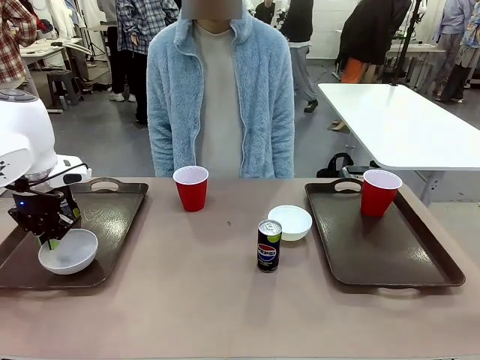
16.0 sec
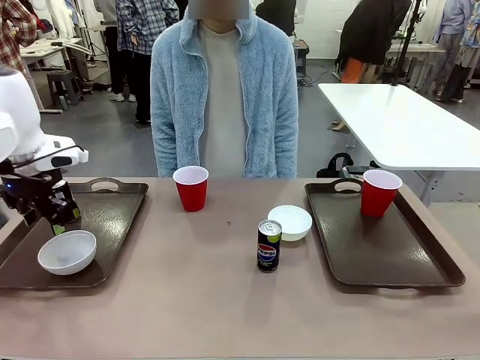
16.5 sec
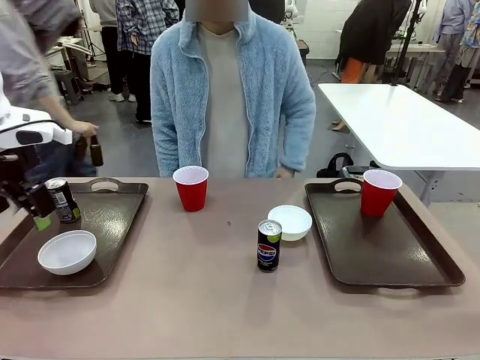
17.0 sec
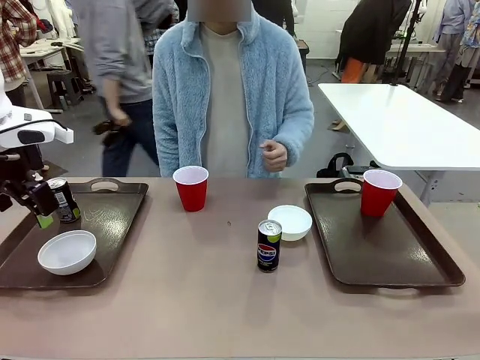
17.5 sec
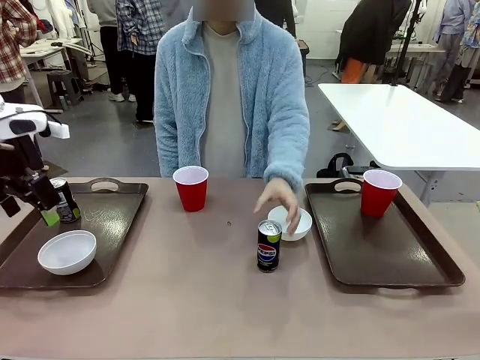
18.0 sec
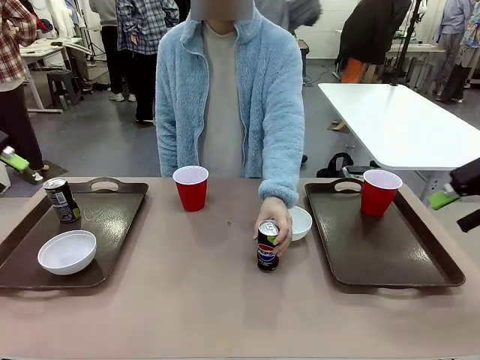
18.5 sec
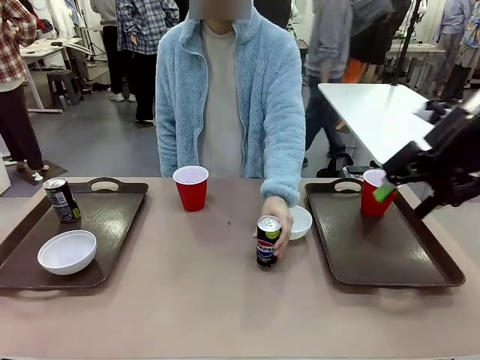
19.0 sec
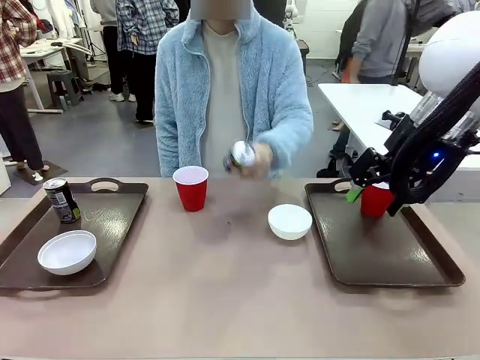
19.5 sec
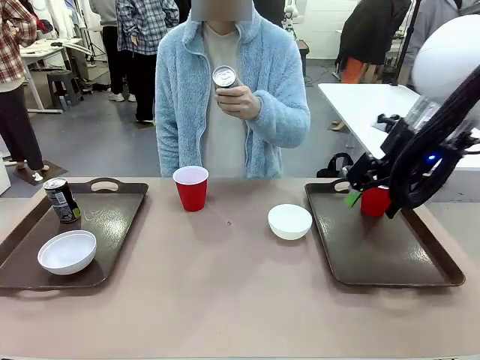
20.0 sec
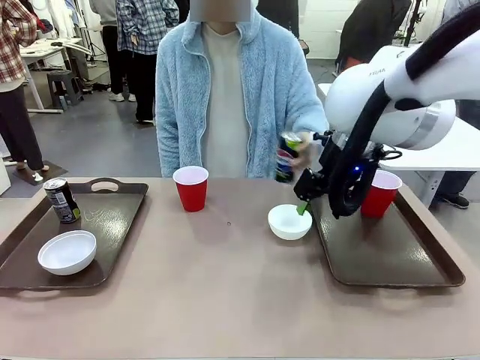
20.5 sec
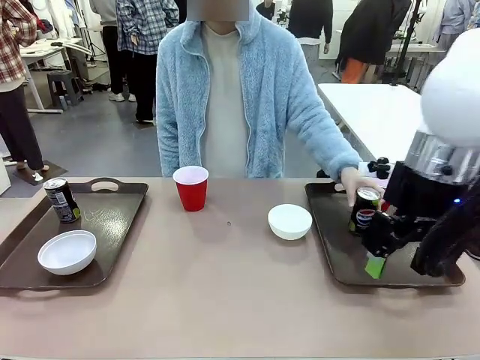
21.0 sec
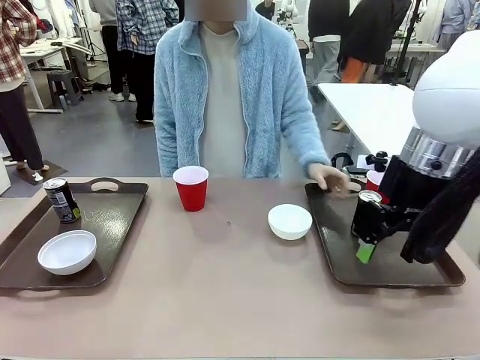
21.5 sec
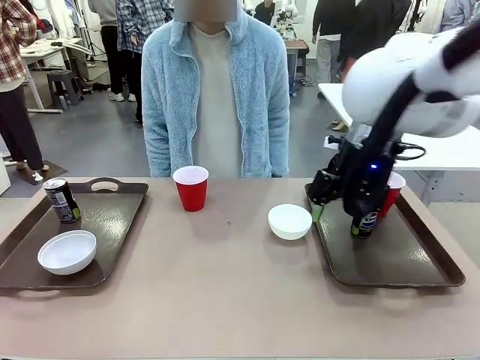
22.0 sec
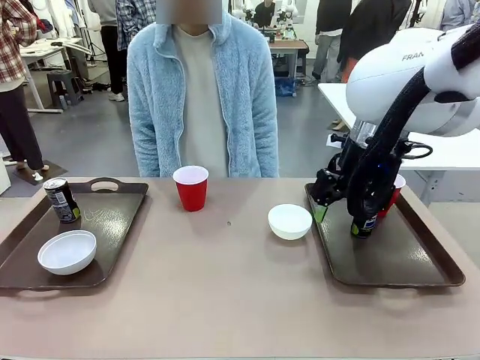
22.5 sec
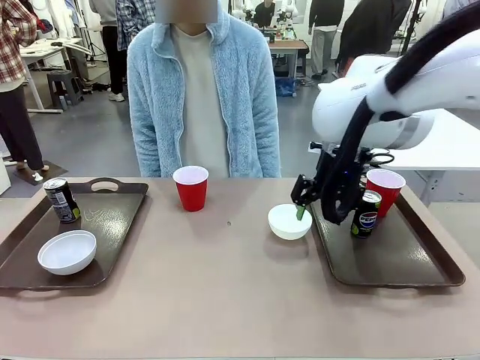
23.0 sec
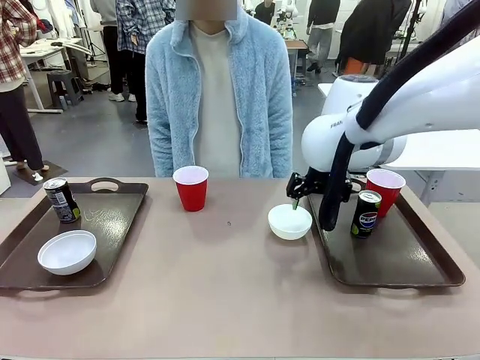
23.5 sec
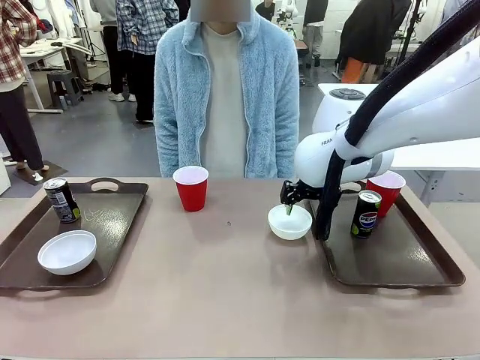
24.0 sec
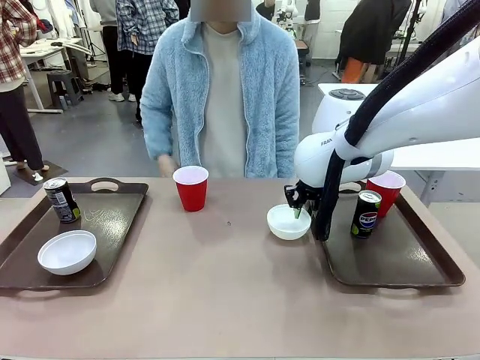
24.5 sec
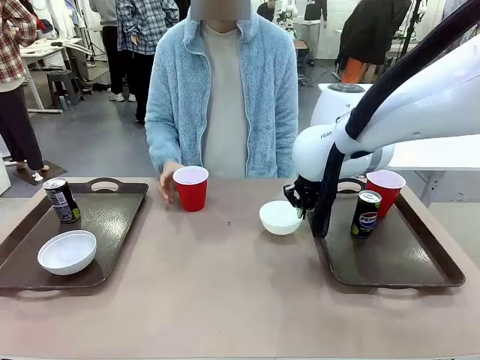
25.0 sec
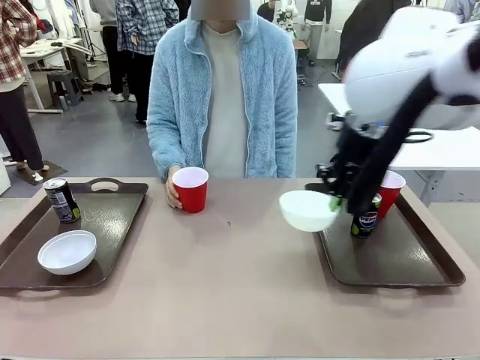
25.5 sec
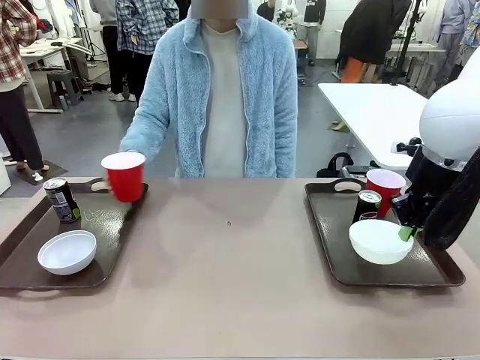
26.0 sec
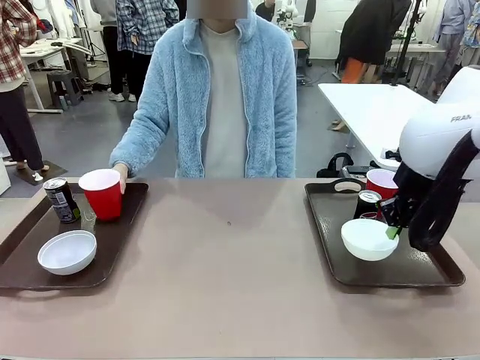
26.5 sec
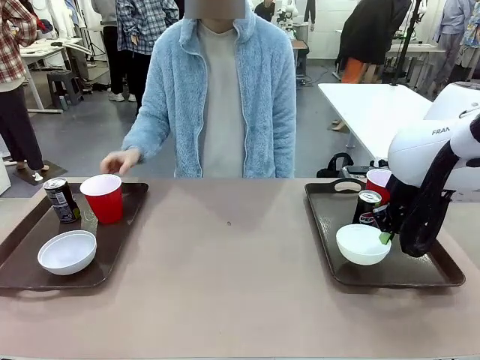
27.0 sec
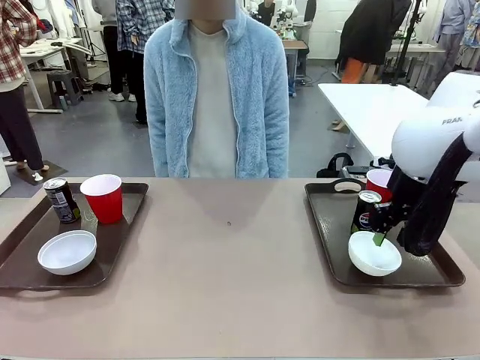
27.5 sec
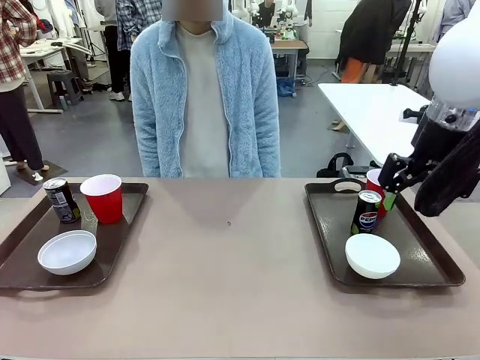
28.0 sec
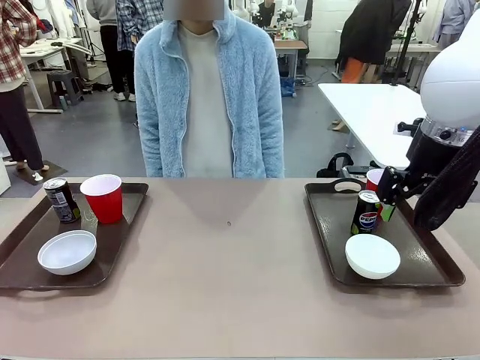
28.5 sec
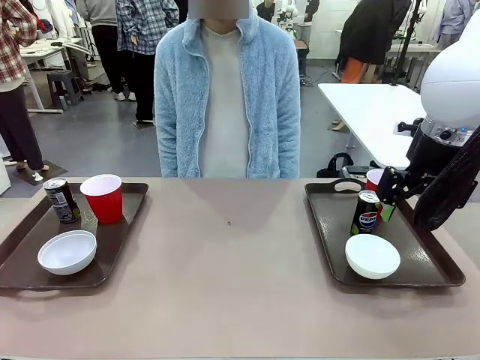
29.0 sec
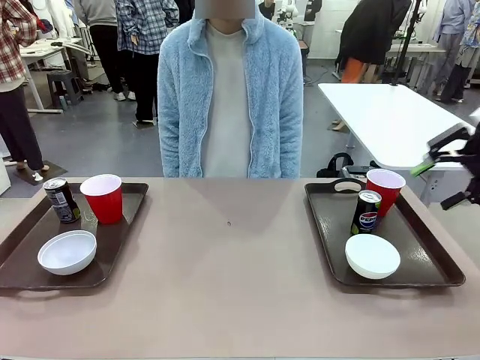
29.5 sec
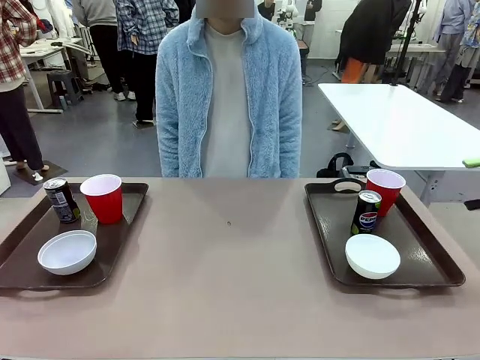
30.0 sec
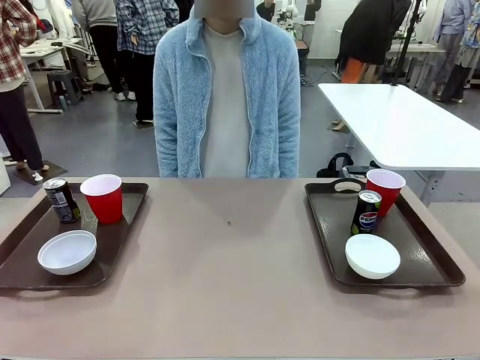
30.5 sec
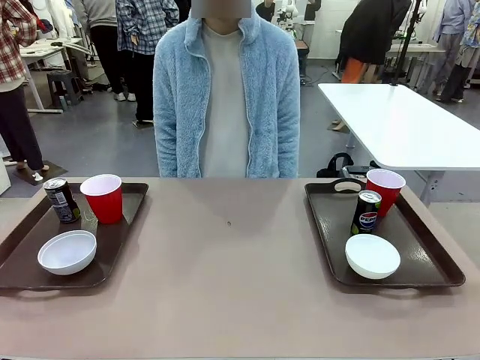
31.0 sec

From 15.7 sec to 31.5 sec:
Task: Prepare tableware on both trays.
Robot: Pick up a Picnic Bowl from the table and place it on a Handle tray.
Person: Pick up a can or cup and place it on the tray without a can or cup.

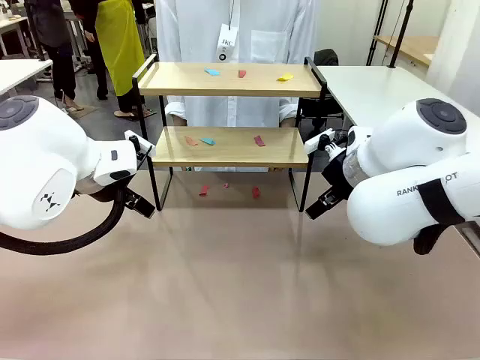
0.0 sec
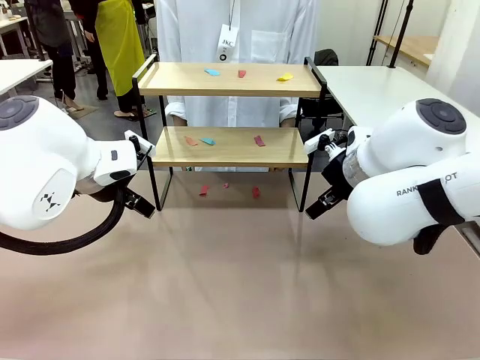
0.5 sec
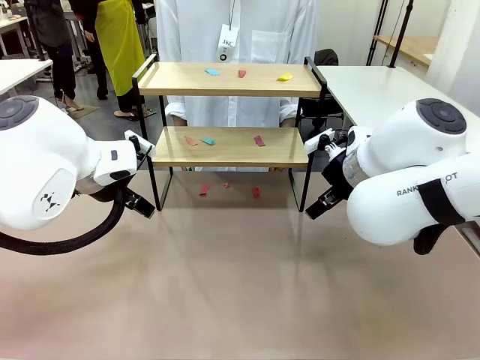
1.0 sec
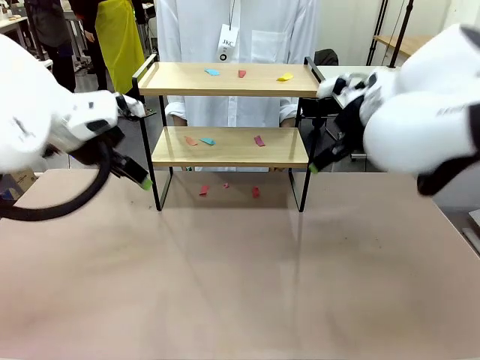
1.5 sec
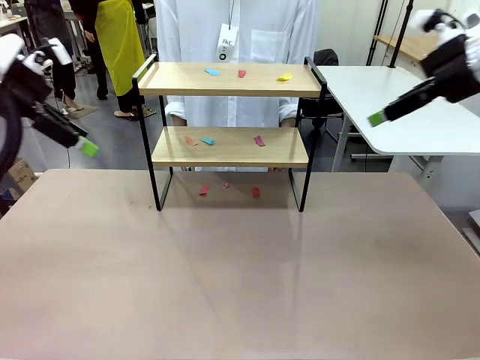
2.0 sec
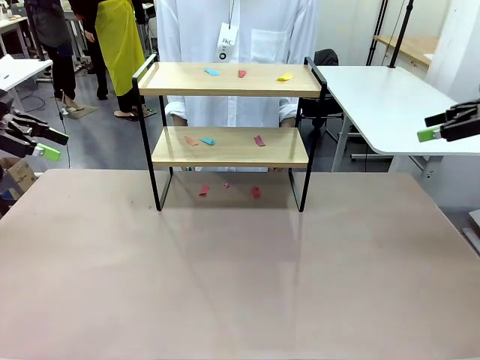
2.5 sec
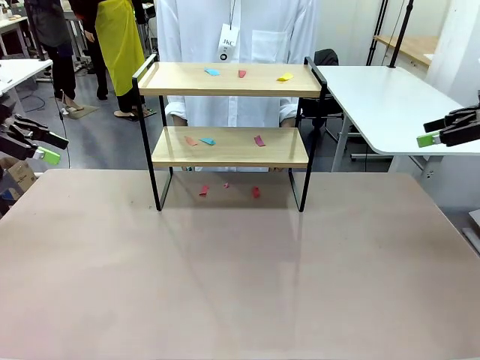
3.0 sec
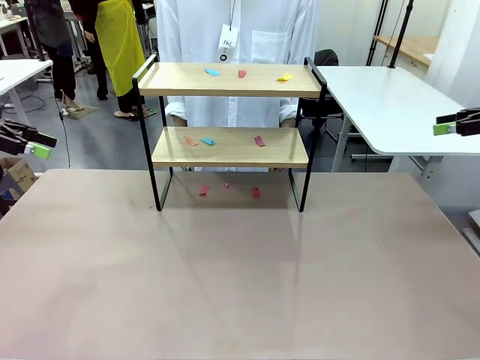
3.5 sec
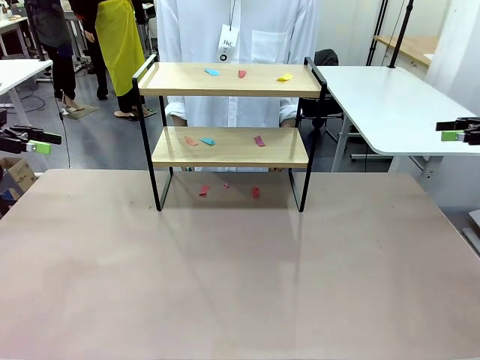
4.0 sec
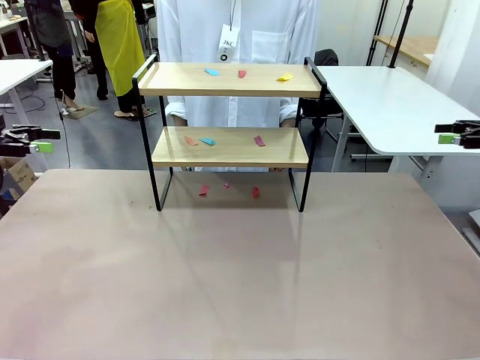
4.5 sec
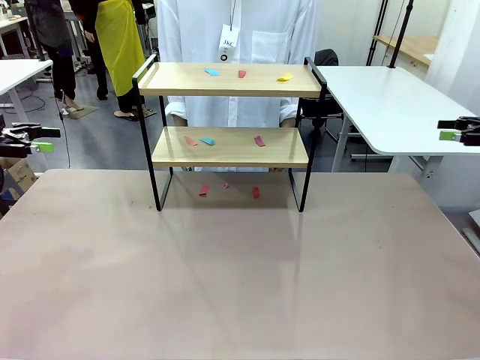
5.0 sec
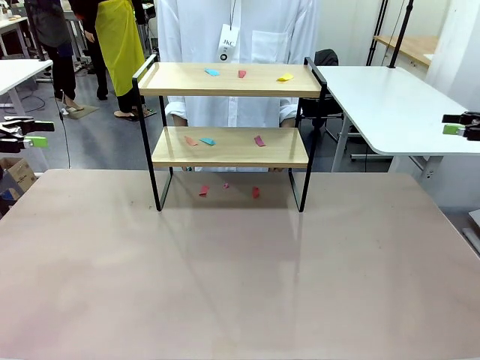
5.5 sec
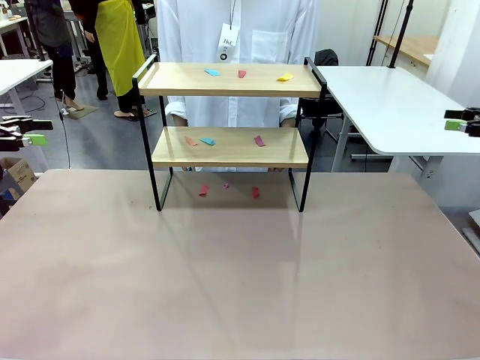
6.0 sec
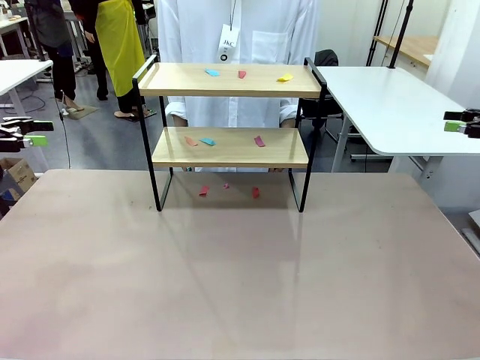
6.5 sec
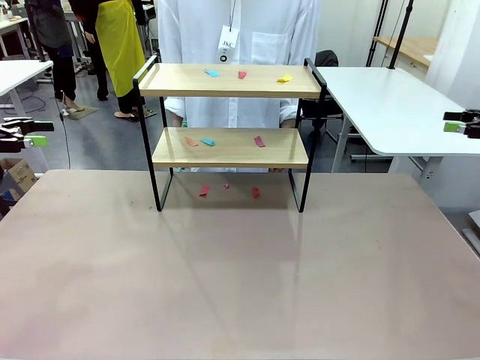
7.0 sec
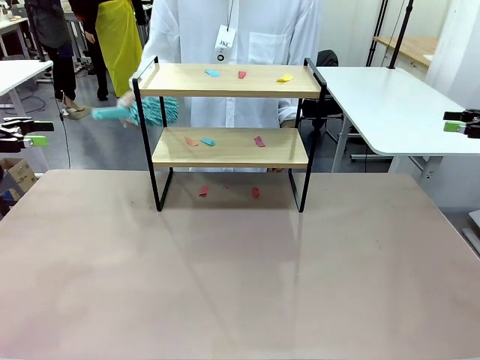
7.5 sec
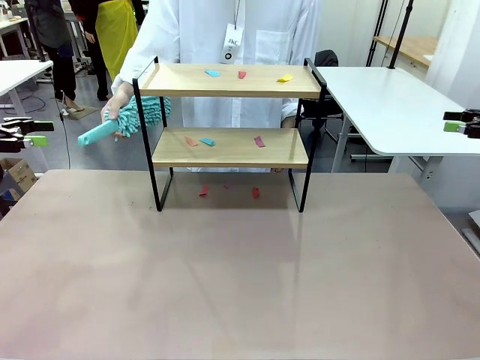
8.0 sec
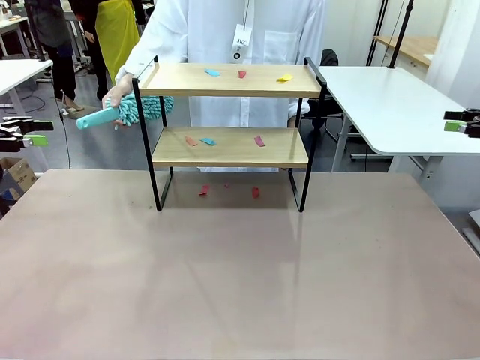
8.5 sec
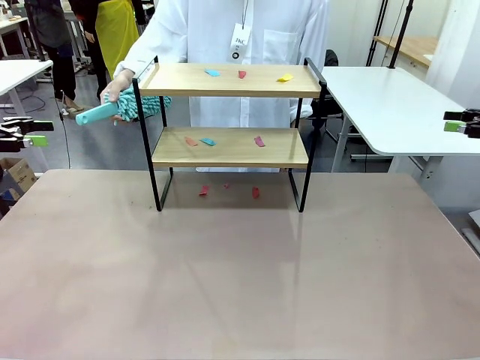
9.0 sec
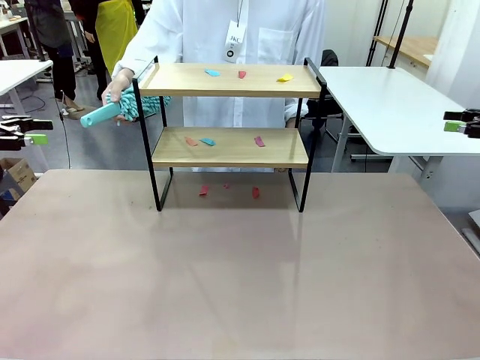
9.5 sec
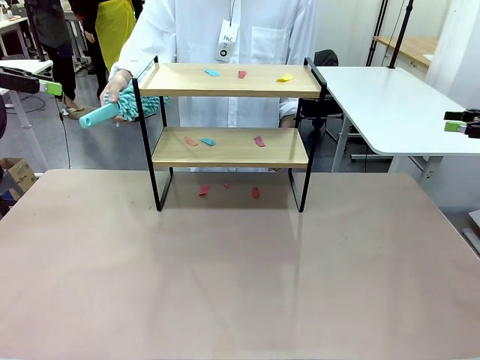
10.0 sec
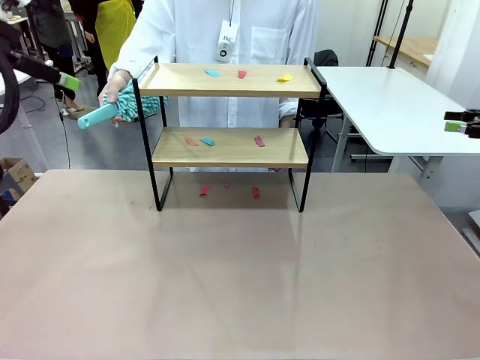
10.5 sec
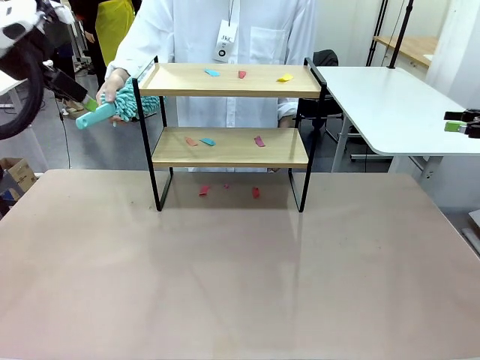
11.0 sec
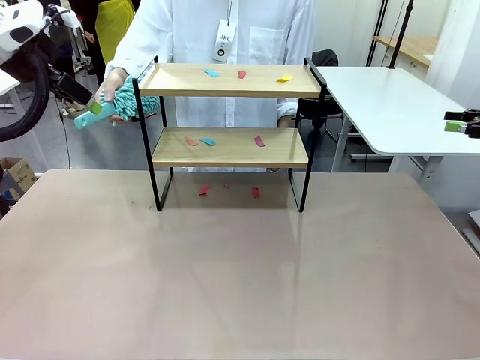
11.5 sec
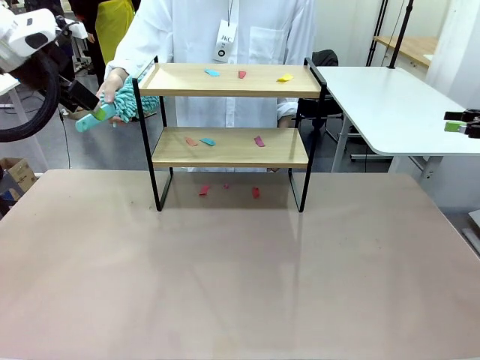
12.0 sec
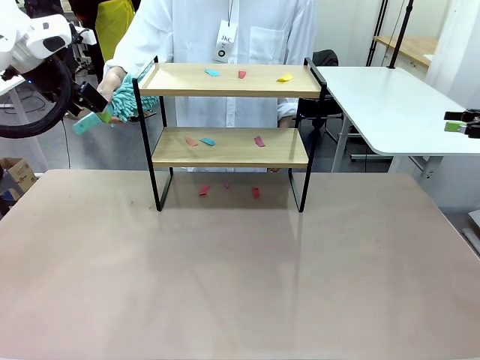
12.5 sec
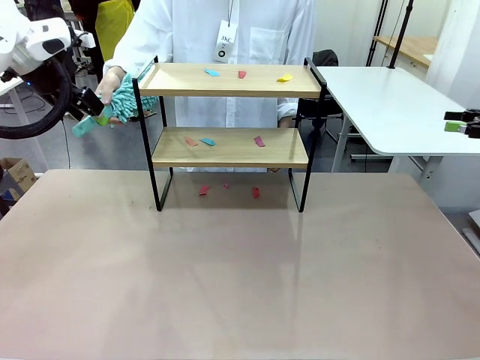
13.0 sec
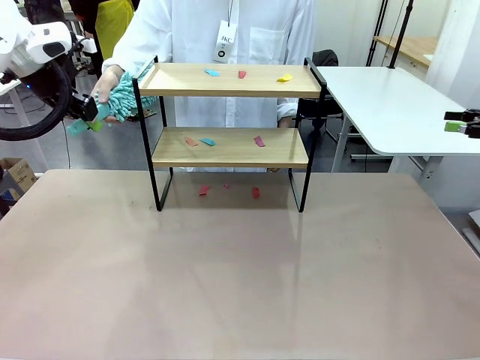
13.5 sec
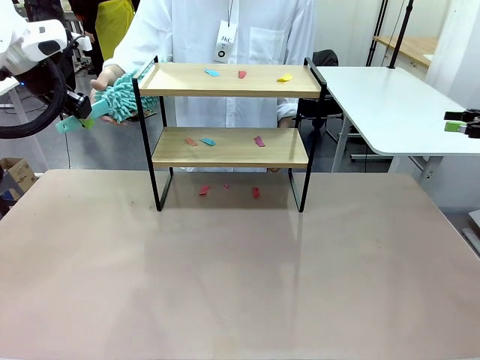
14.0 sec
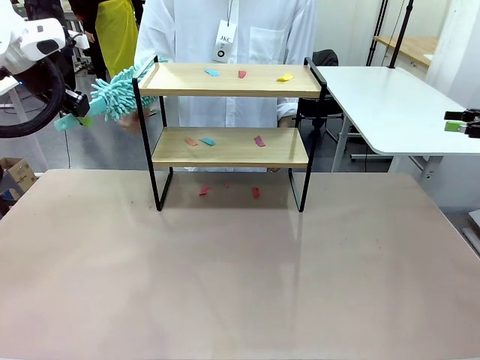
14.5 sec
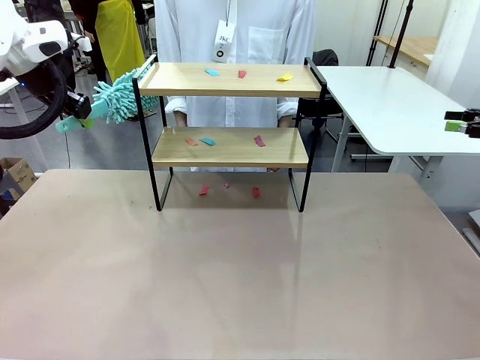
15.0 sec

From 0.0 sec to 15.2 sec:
Task: Clean the shelf.
Robot: Pick up the Duster handed by the human.
Person: Hand the Duster to the robot.
